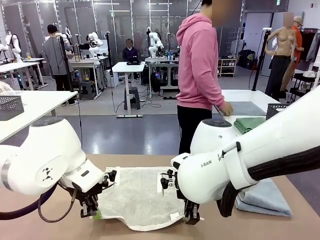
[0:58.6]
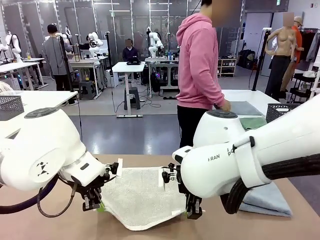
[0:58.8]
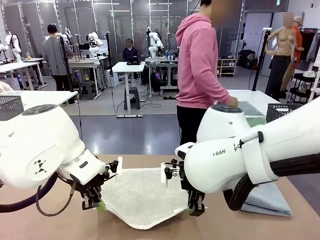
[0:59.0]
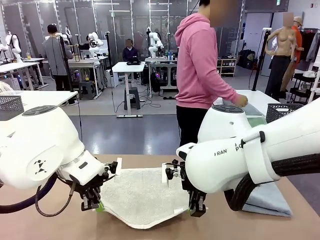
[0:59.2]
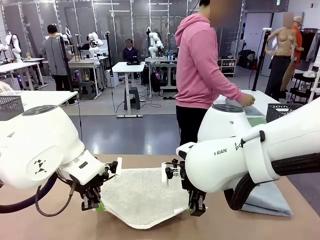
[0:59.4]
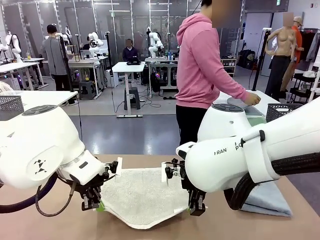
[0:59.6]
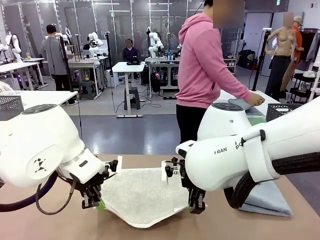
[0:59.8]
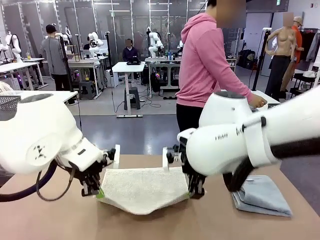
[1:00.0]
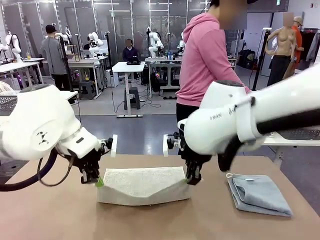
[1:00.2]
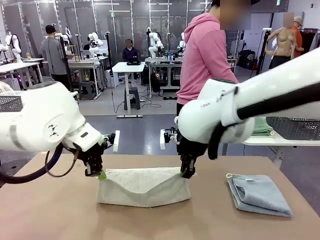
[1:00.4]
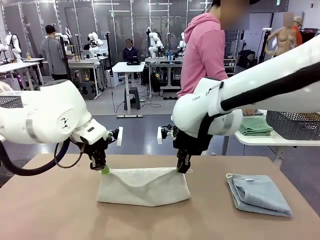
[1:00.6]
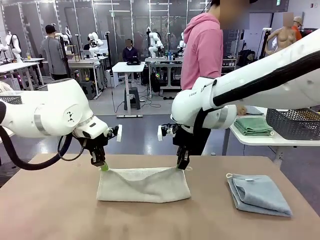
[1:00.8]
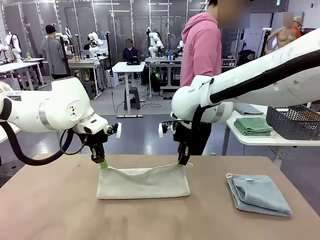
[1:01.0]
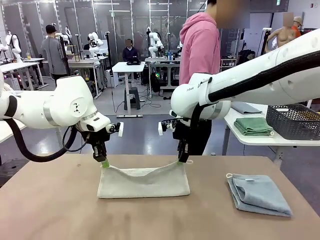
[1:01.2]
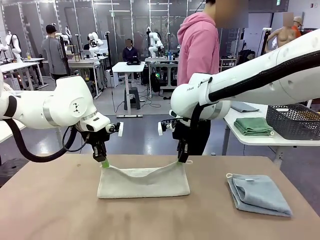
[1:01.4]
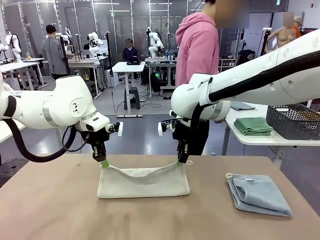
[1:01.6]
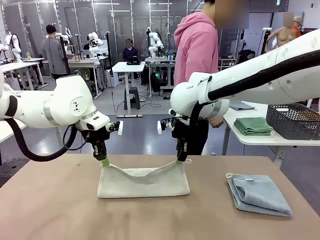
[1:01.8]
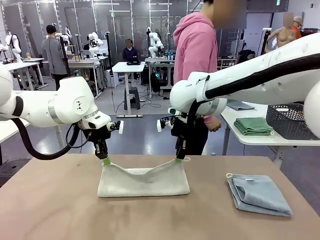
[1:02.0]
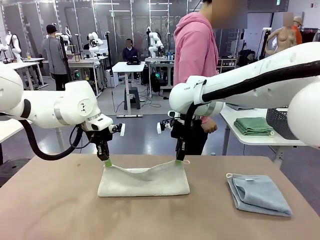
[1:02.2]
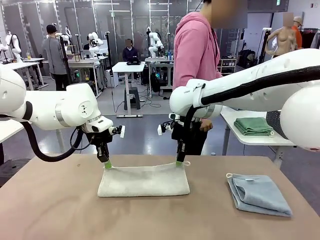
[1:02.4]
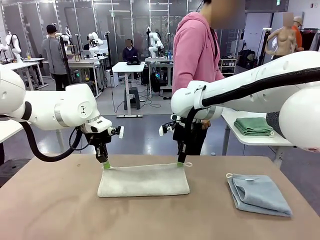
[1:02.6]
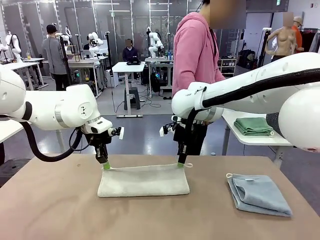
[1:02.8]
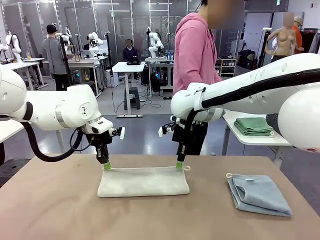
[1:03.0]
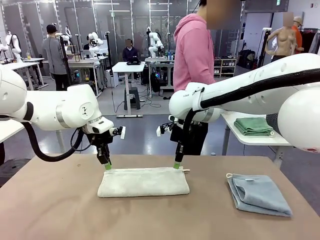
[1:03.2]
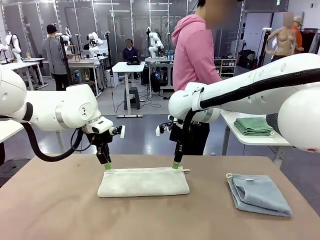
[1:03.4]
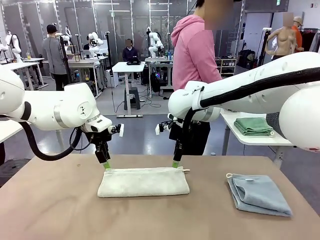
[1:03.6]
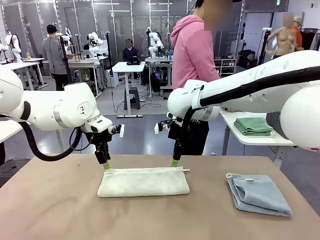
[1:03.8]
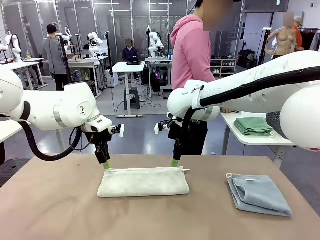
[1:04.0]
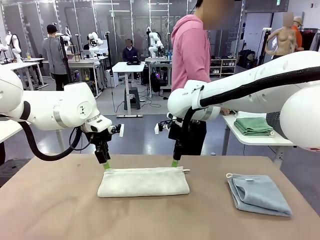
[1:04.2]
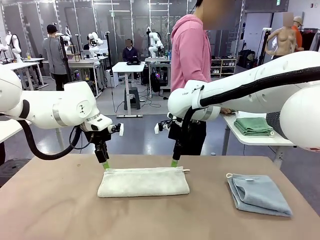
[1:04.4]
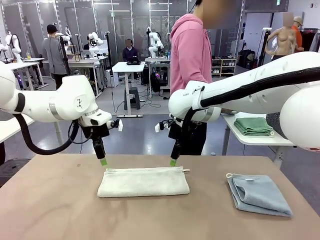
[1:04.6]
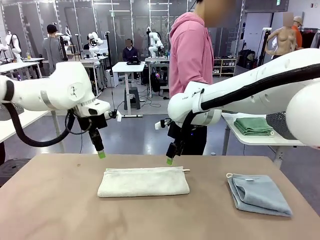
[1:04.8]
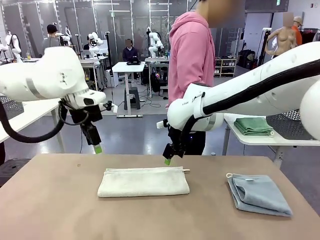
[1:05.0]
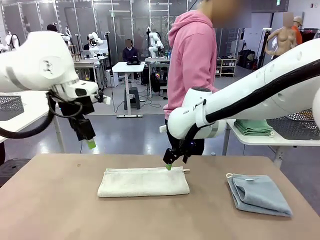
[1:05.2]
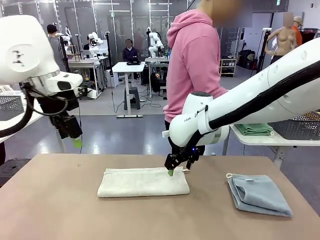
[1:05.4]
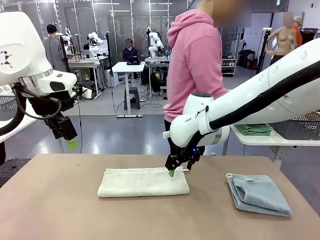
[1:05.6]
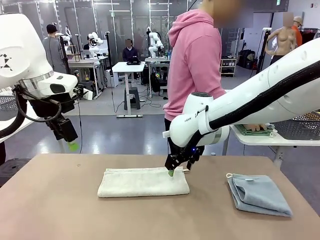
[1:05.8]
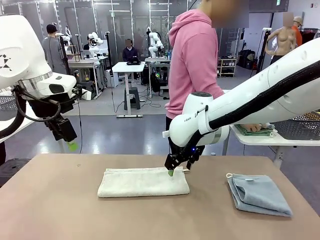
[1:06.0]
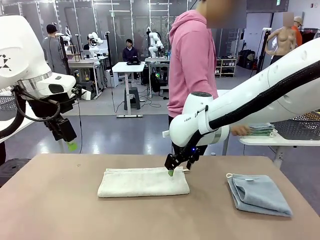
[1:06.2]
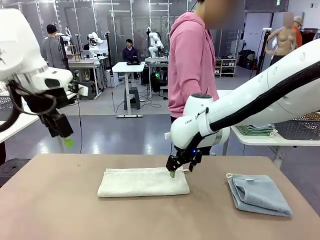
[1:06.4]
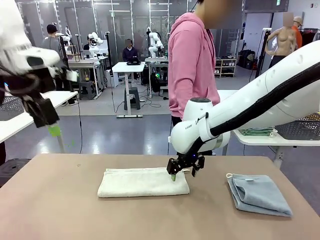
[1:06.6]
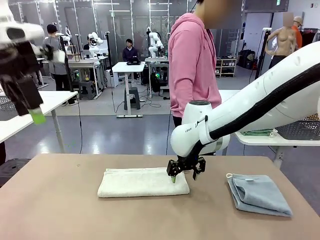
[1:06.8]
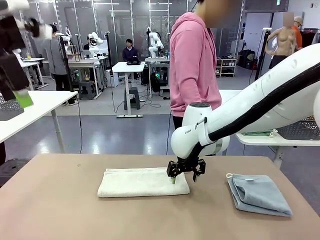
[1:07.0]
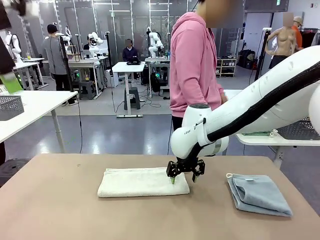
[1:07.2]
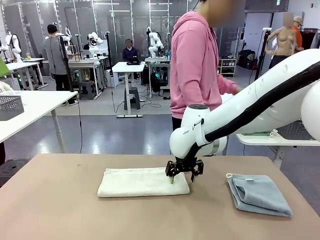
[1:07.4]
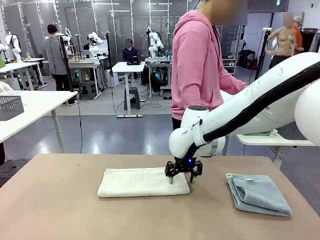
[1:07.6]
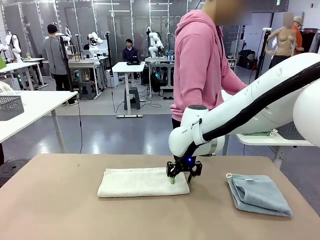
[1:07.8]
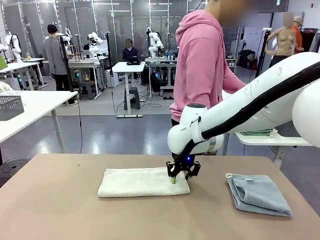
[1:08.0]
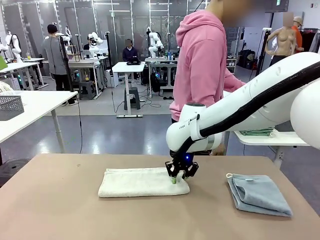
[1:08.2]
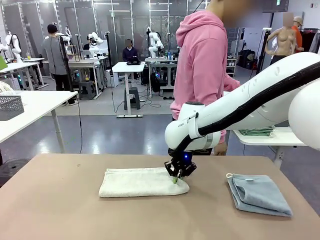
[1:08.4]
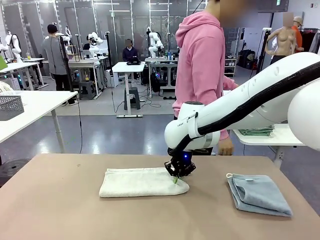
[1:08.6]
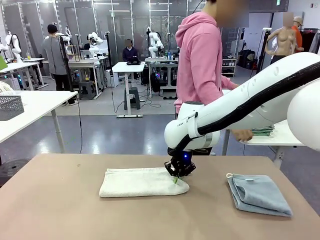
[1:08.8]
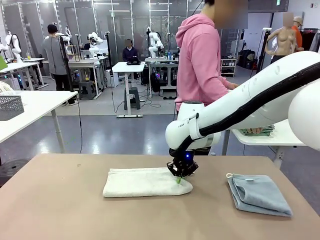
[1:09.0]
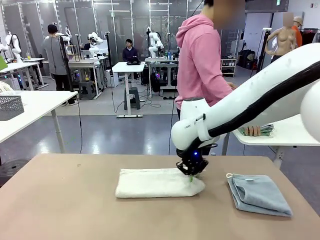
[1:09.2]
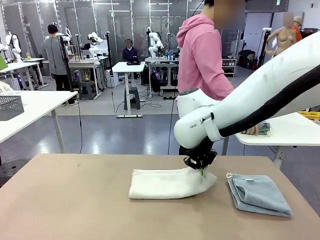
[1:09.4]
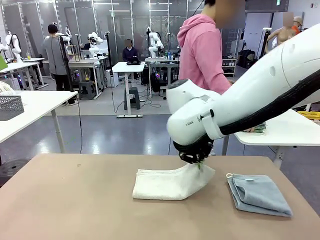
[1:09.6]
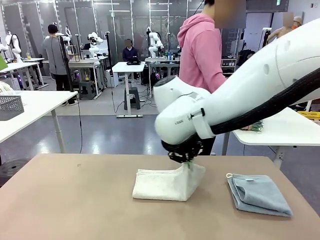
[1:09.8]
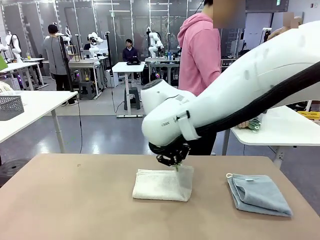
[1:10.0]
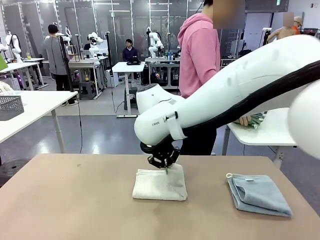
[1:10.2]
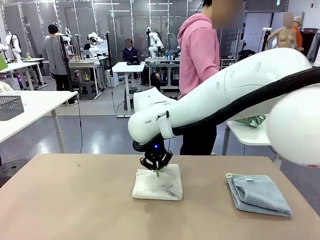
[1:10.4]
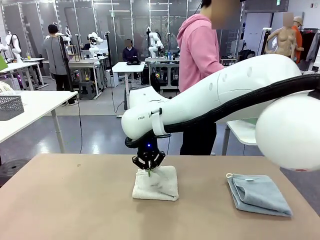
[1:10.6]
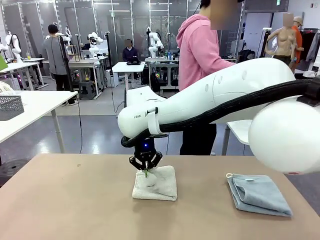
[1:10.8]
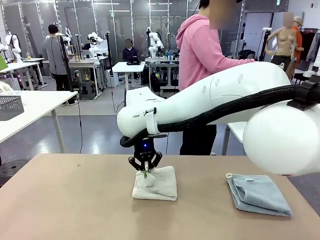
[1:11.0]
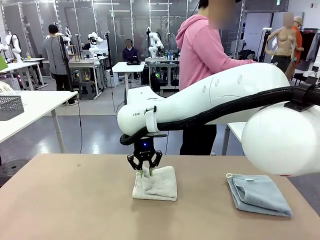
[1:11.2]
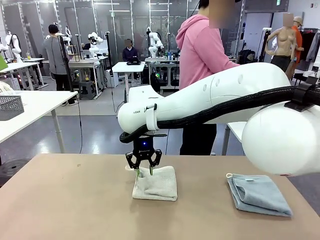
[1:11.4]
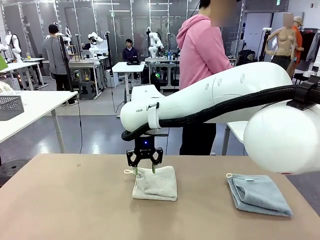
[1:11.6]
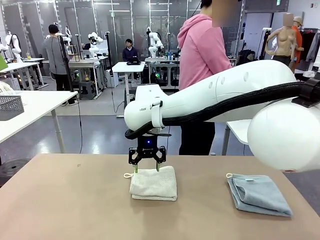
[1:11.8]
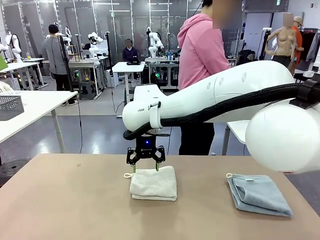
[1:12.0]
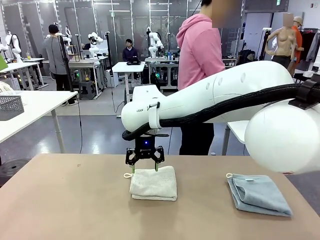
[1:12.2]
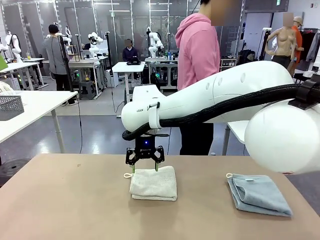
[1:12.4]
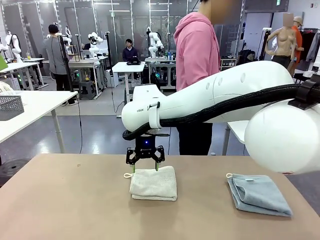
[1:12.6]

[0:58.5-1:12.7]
Task: Fold the towels and place them in the basket.
Robot: When a person lays out a Towel with hook on the table, fold it in half twice.
Person: Pick up the stack of towels from the right side of the human table, place it into the basket, and put the basket at the center of the table.
